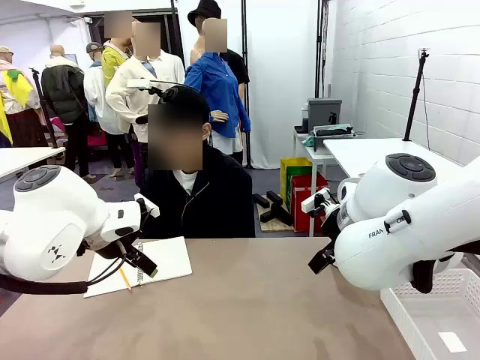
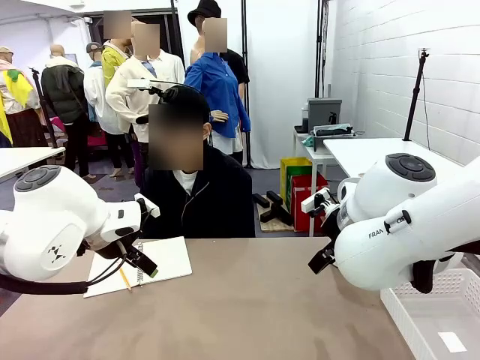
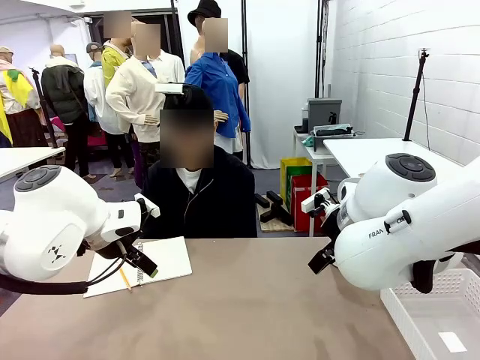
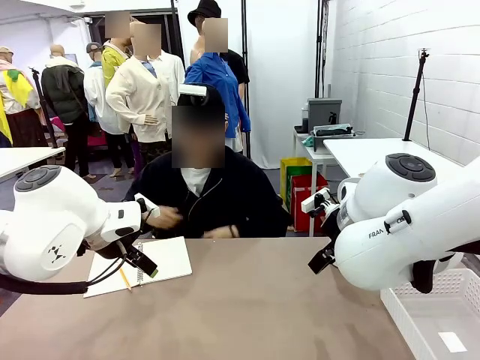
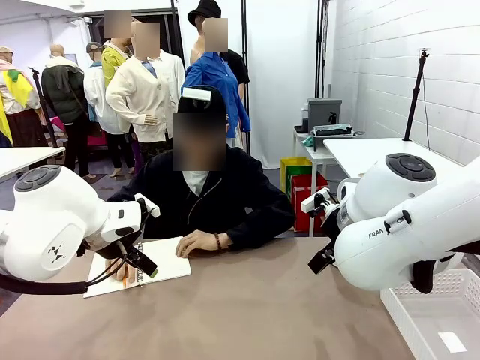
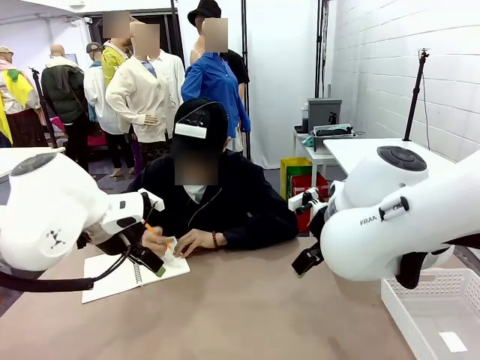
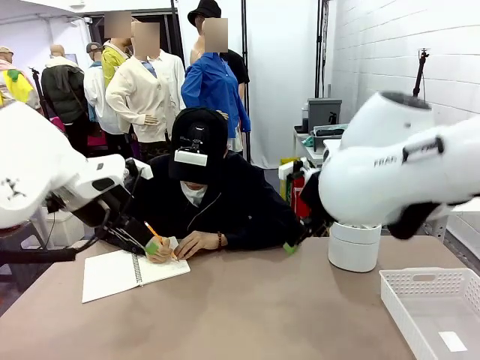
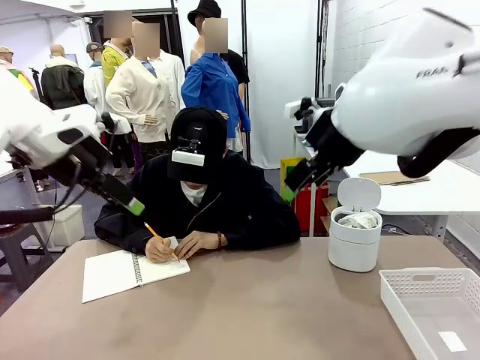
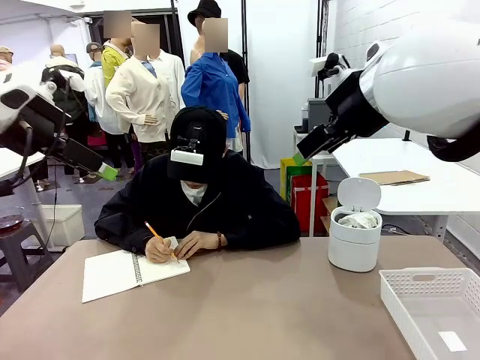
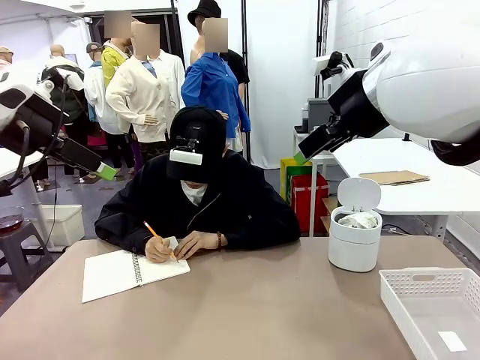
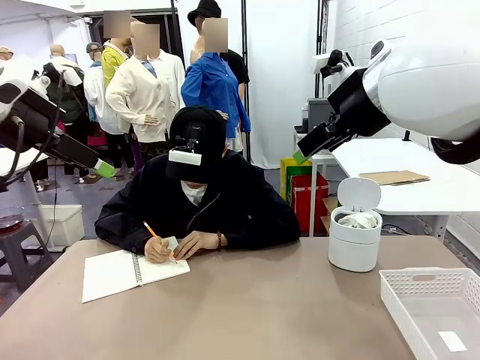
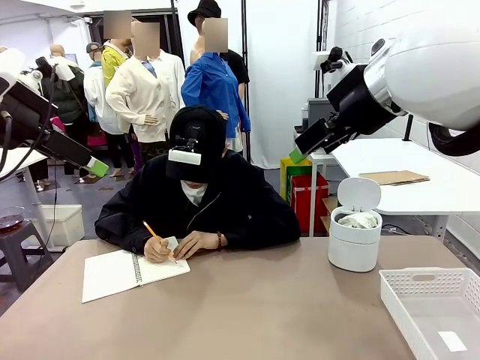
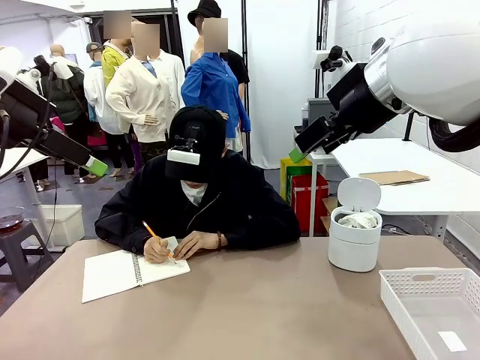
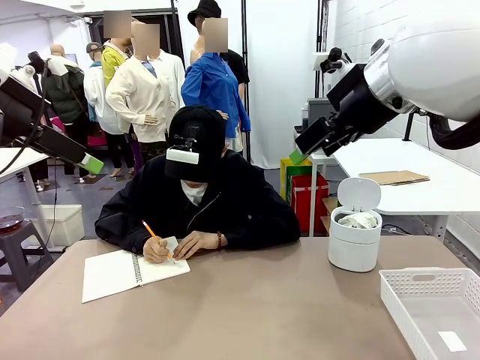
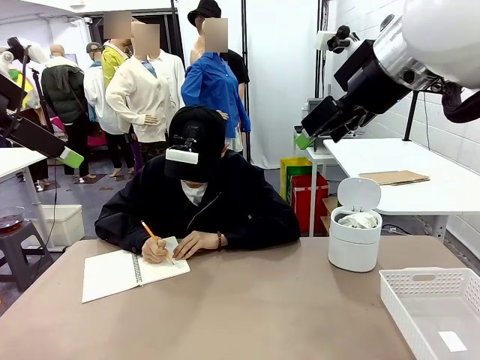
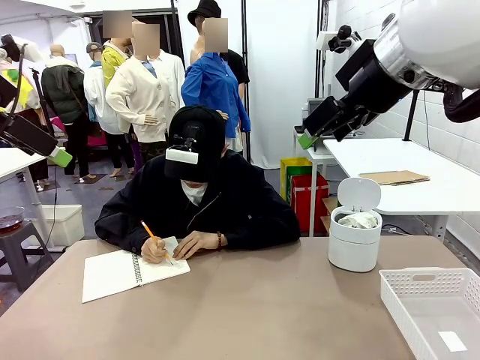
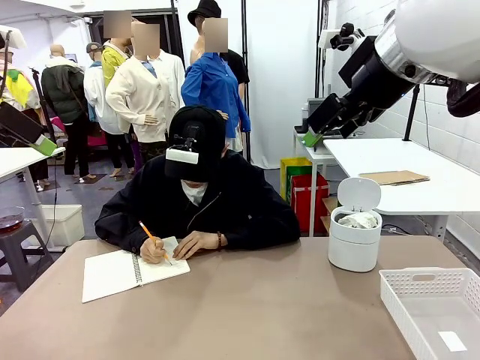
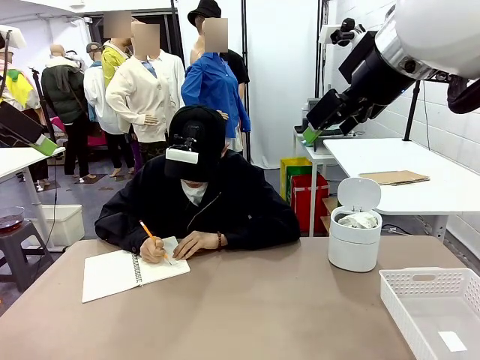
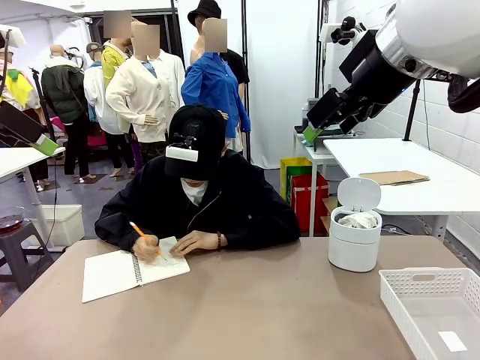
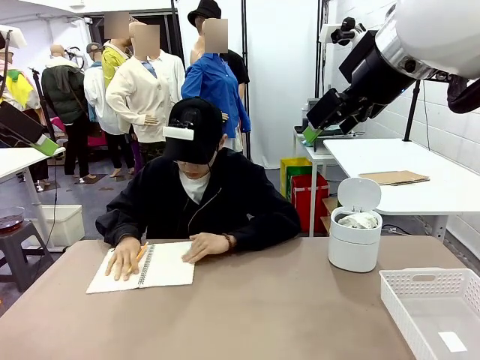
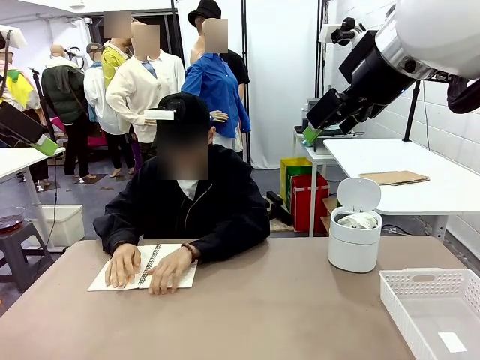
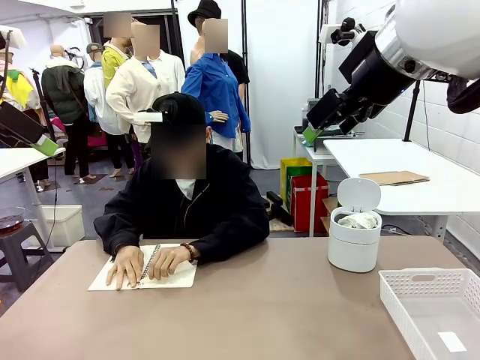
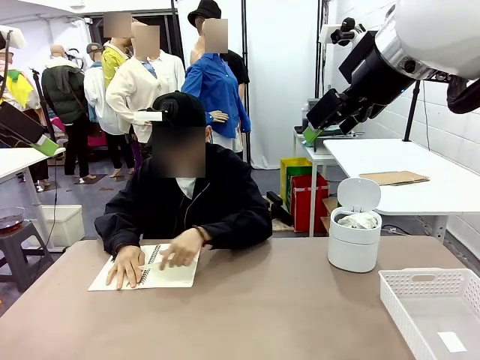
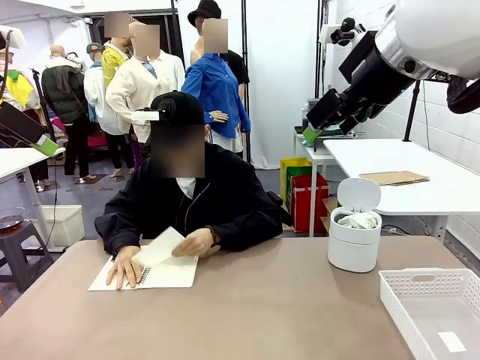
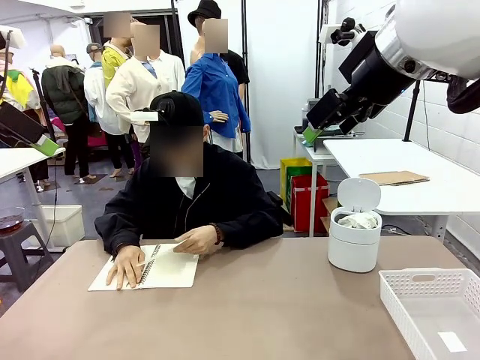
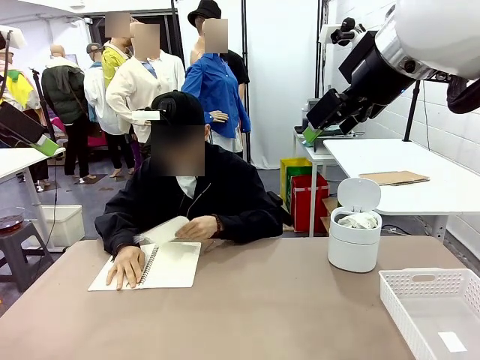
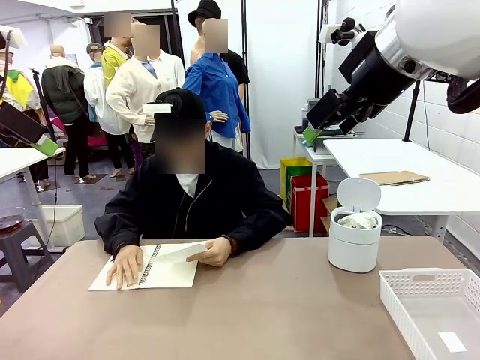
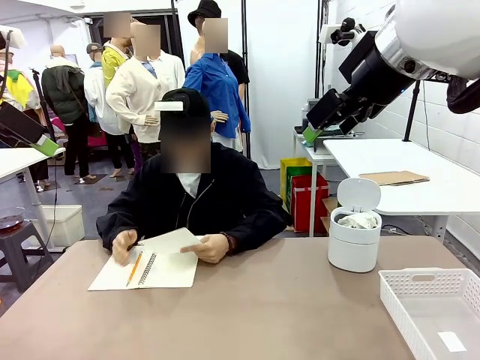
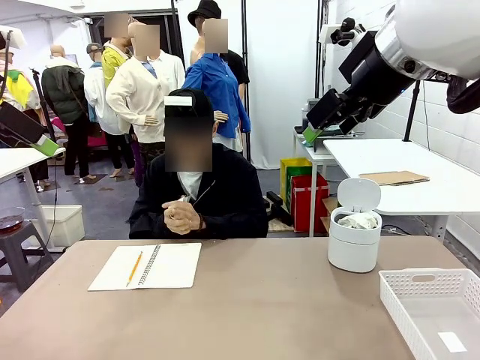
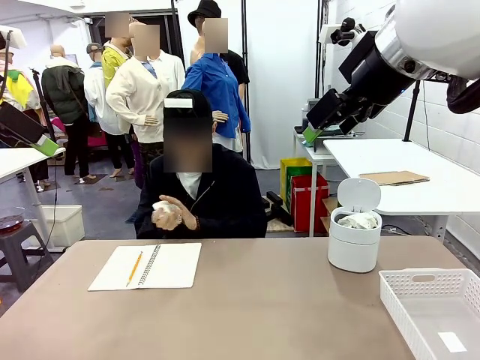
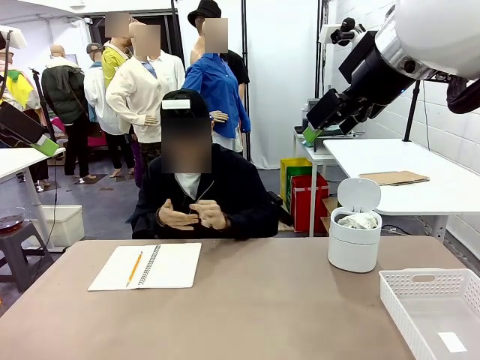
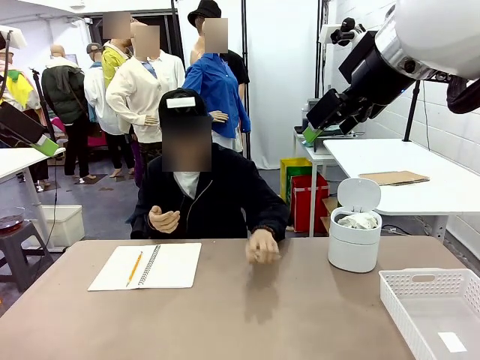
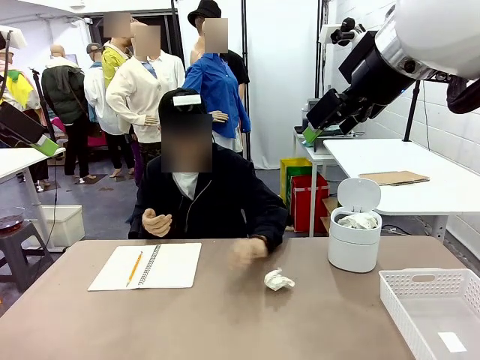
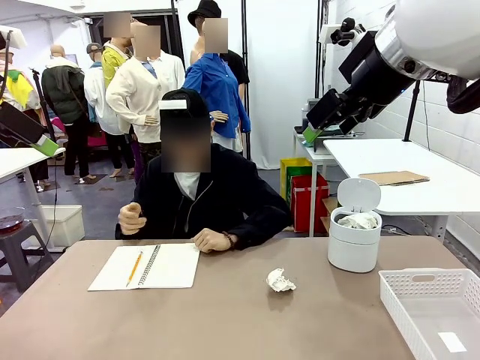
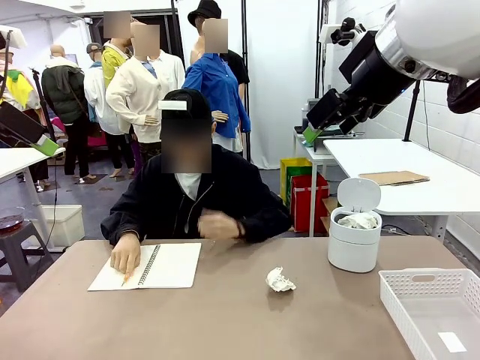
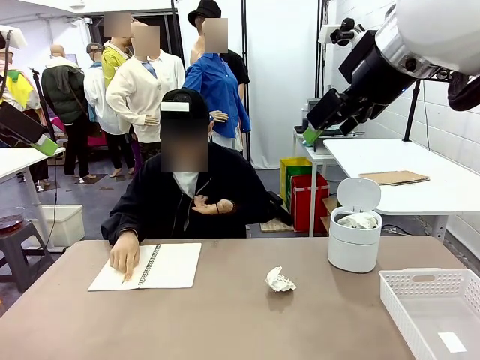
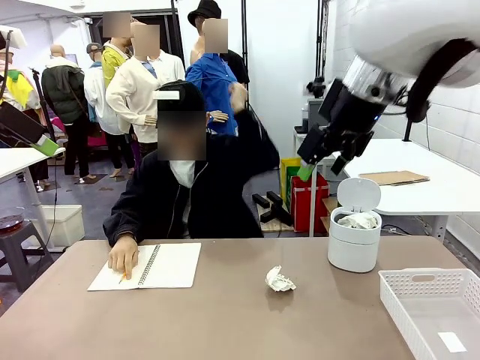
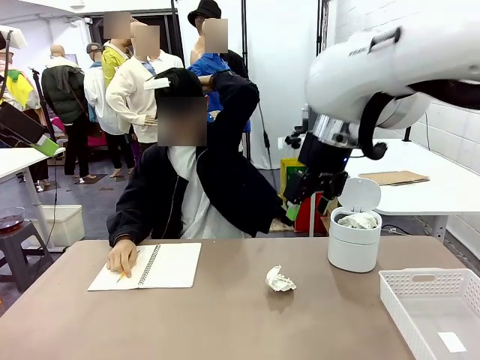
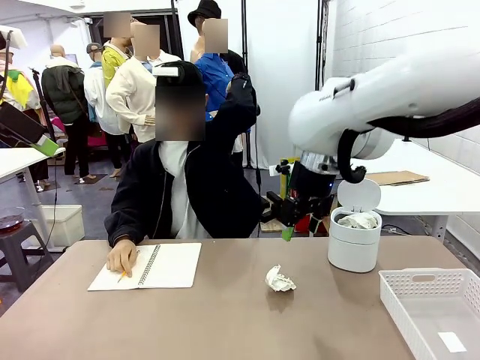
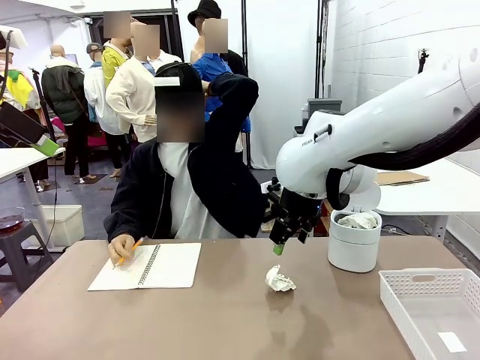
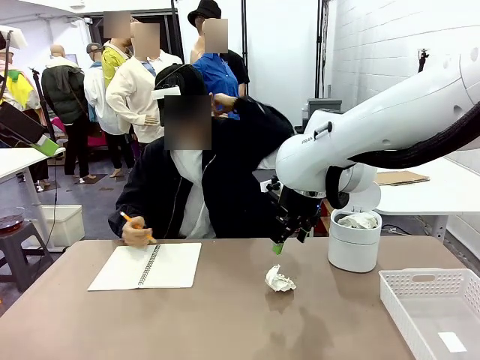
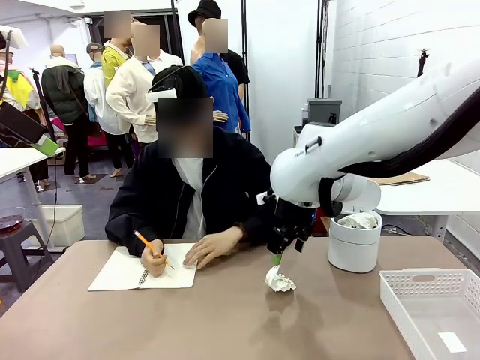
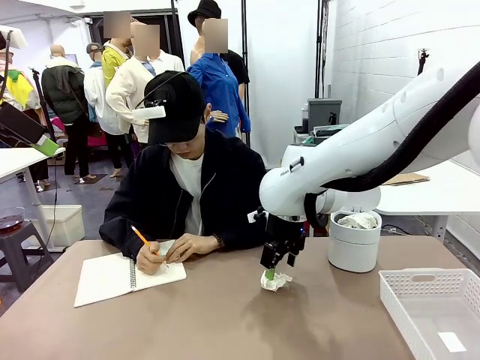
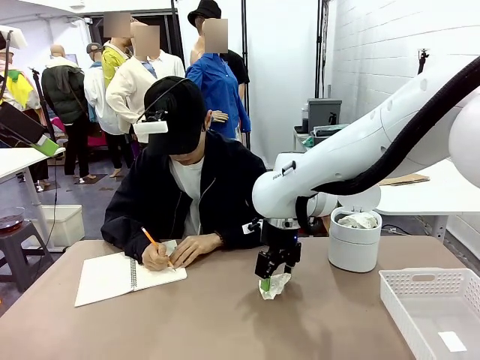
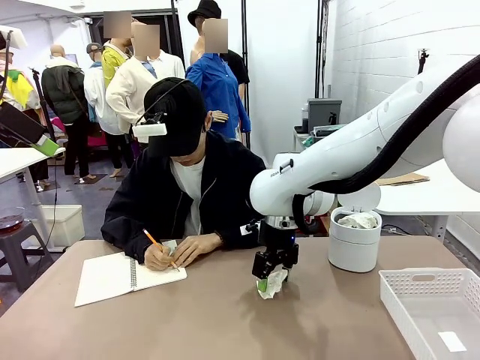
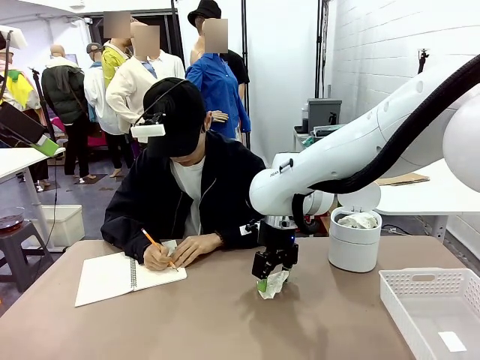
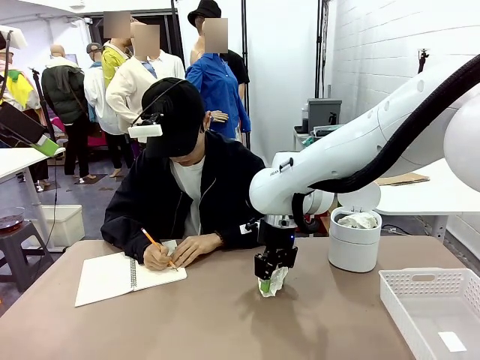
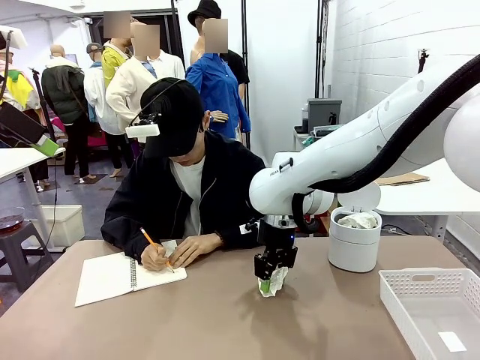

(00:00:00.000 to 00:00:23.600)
Task: Sort the paper based on its condition.
Robot: If a person hands you a paper, place it in the Organizing basket , and if it's crumpled, put it in the Trash can.
Person: Tear out a page from the spiral notebook. Hand the torn page to the robot or crumple it and throw it to the center of the table.
